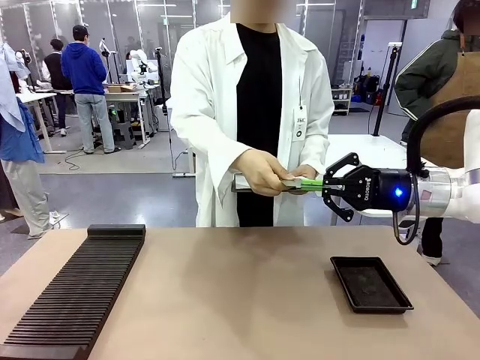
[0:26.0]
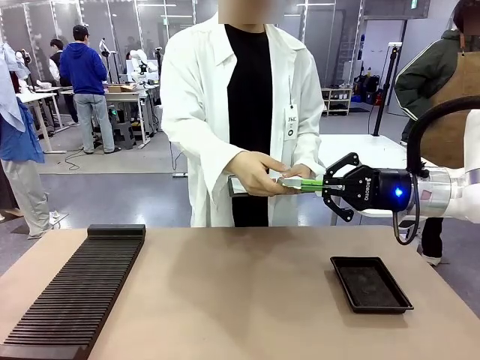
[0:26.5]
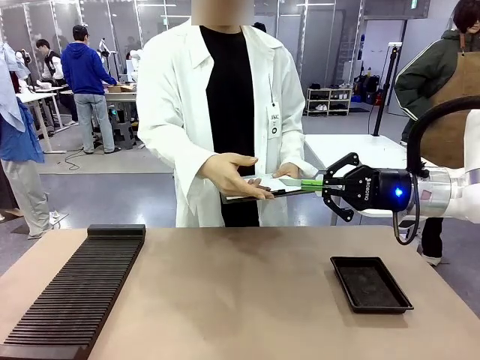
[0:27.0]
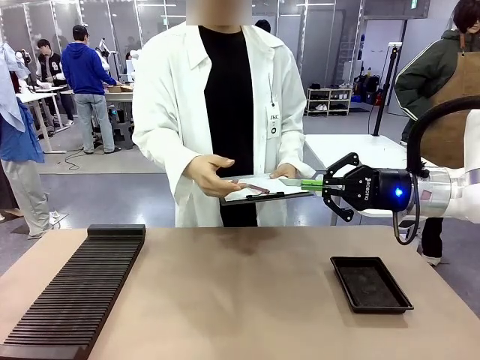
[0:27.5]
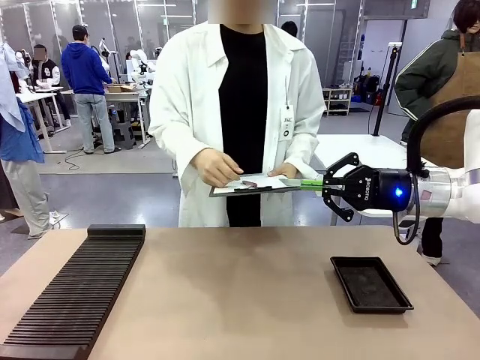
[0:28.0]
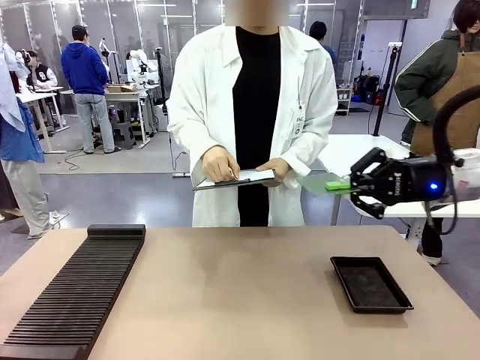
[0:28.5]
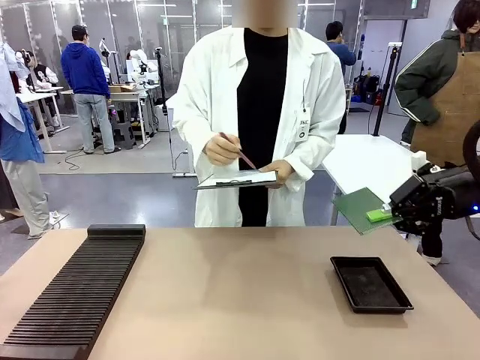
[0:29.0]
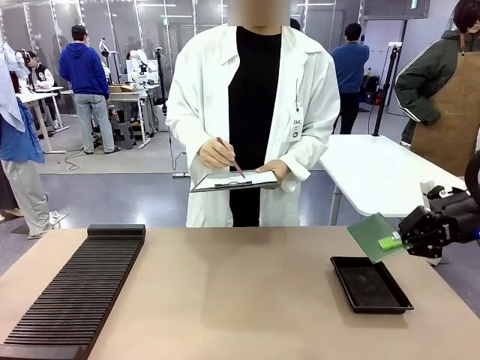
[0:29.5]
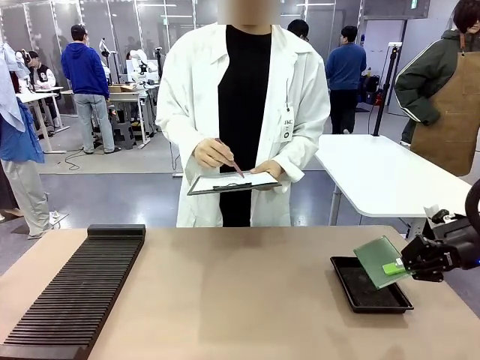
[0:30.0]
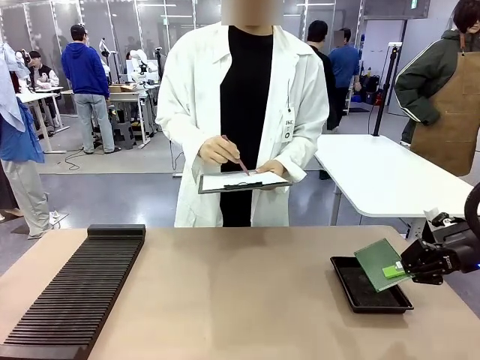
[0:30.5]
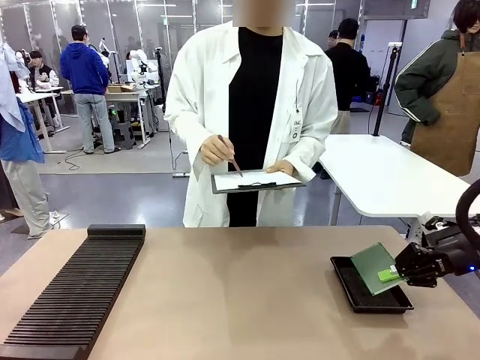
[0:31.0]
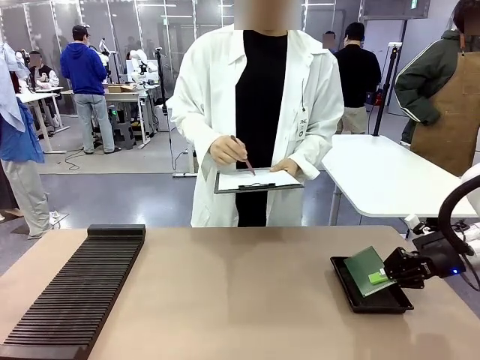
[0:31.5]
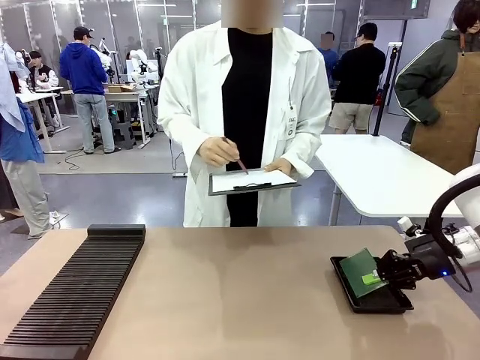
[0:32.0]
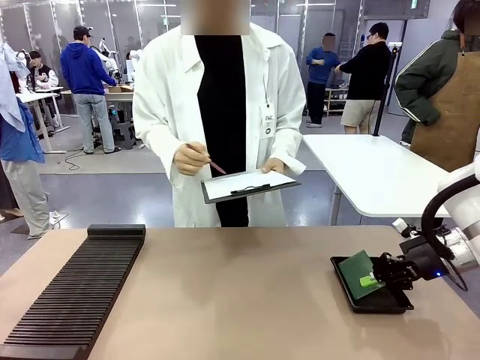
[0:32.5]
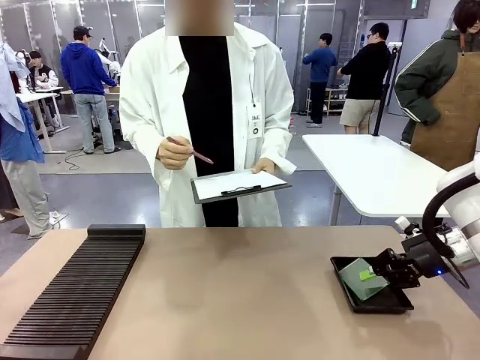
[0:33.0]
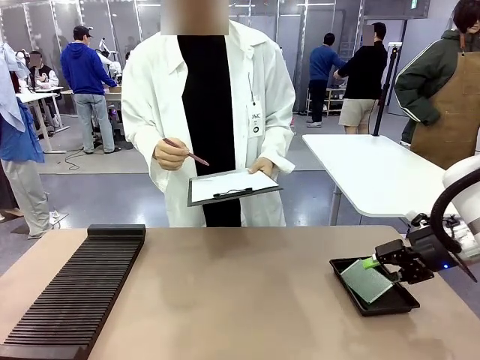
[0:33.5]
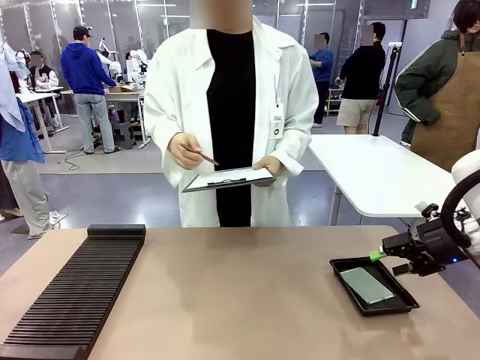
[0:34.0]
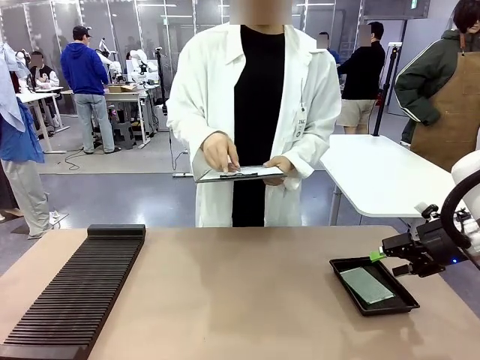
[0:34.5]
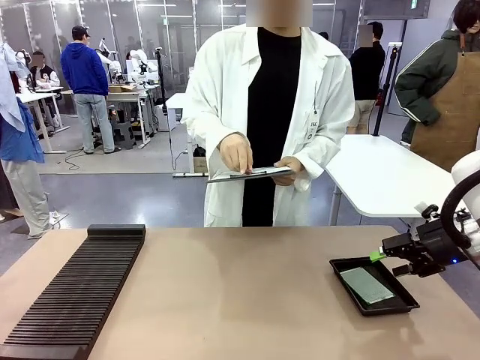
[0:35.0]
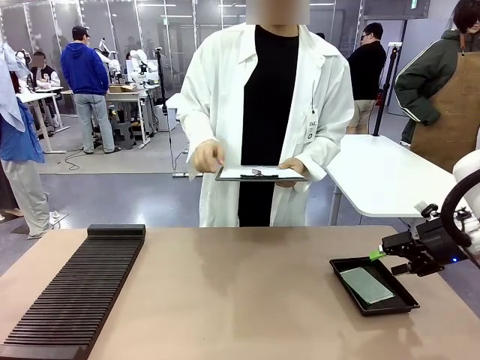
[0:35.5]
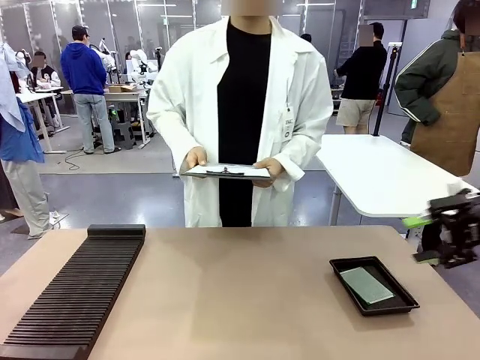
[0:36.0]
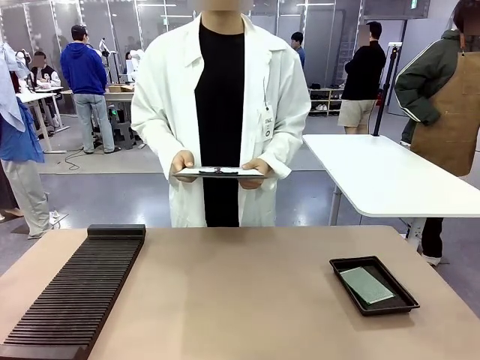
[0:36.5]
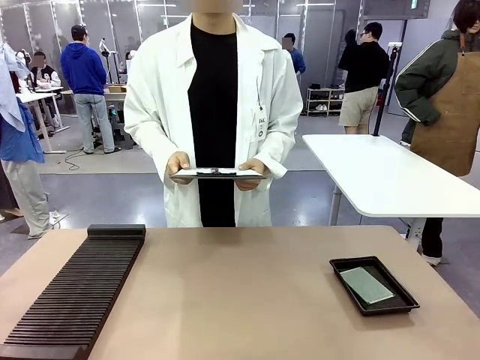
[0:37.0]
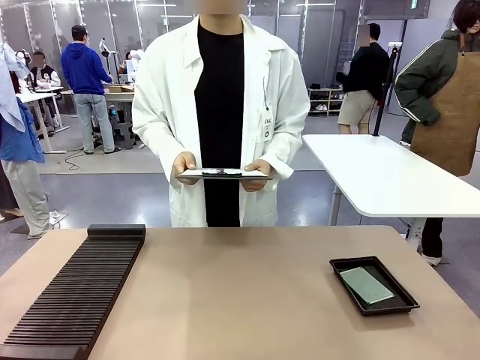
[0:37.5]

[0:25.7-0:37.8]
Task: Inspect the PCB.
Robot: Place the Blank PCB in the ESD tray.
Person: Record the PCB status on the paper.

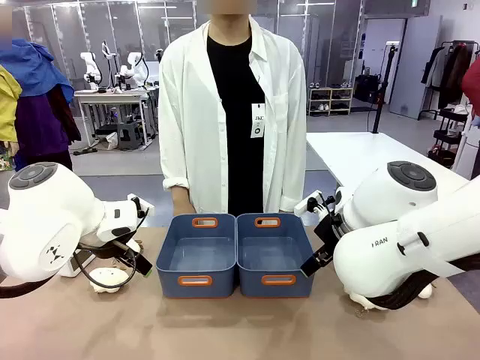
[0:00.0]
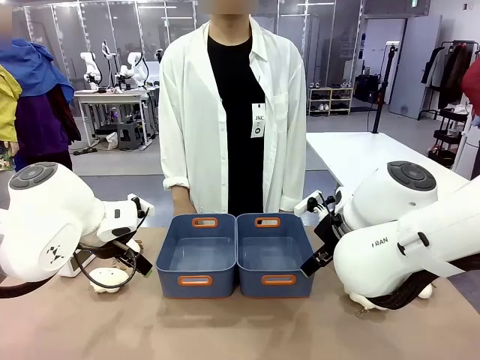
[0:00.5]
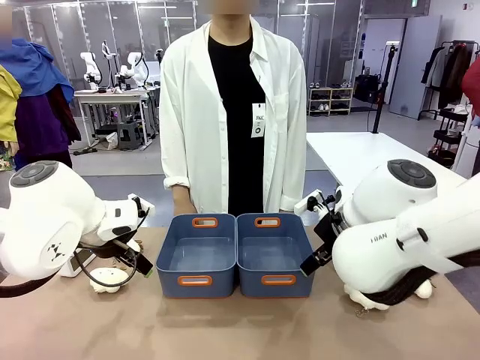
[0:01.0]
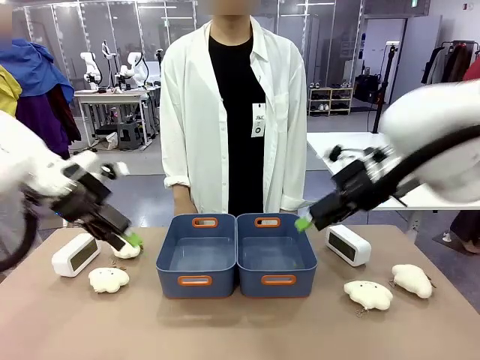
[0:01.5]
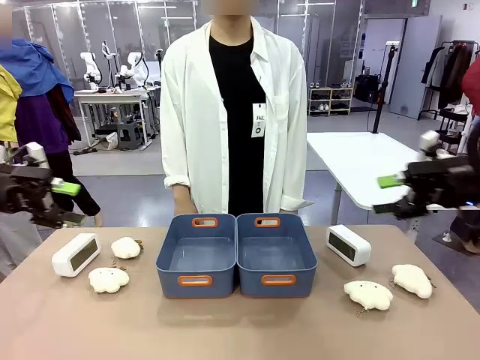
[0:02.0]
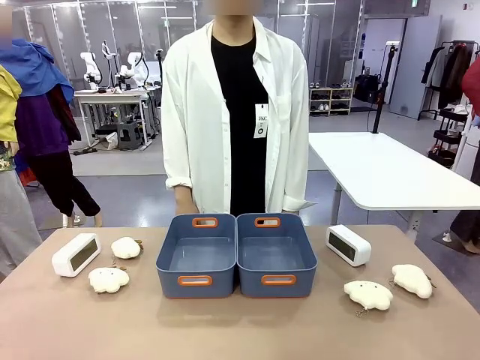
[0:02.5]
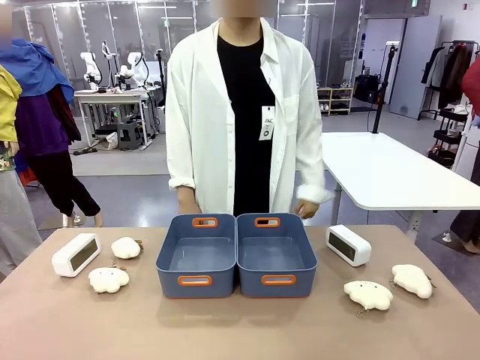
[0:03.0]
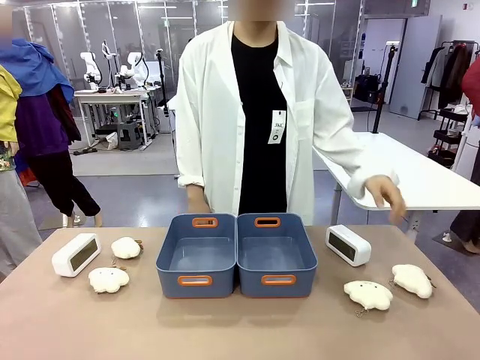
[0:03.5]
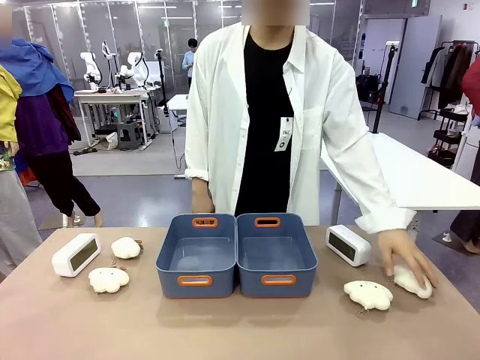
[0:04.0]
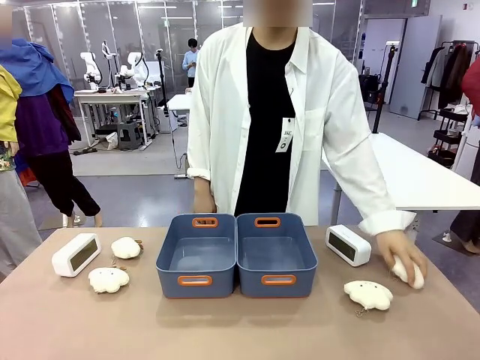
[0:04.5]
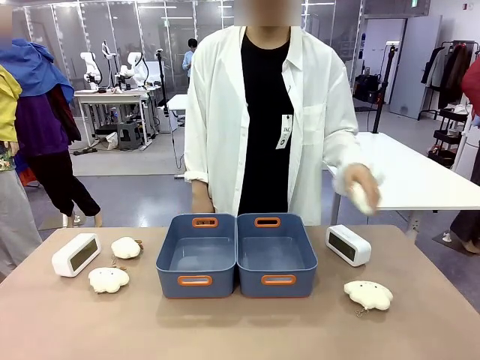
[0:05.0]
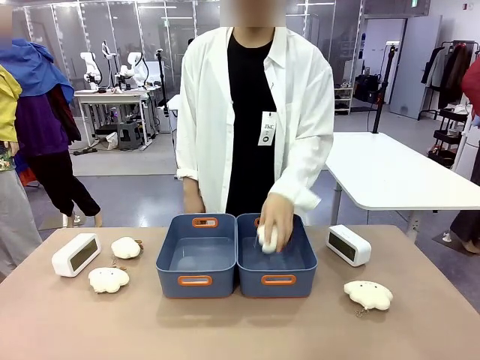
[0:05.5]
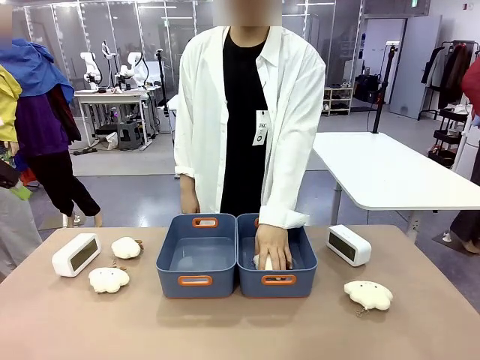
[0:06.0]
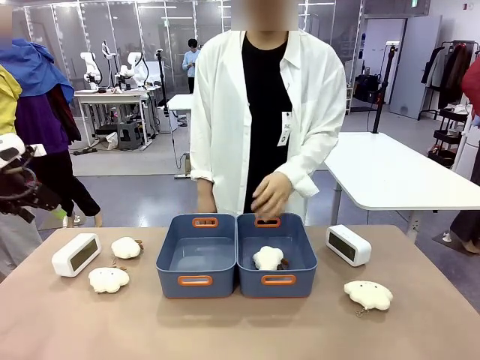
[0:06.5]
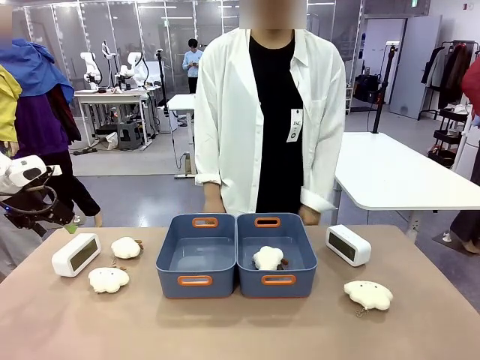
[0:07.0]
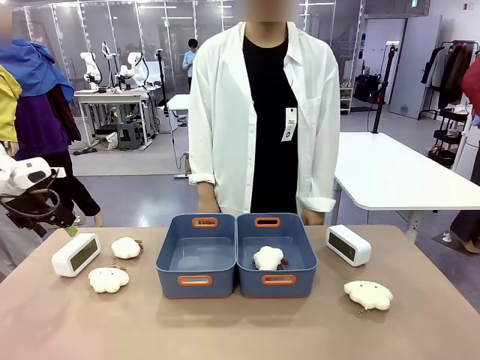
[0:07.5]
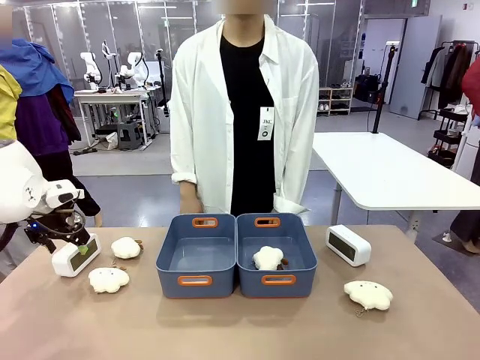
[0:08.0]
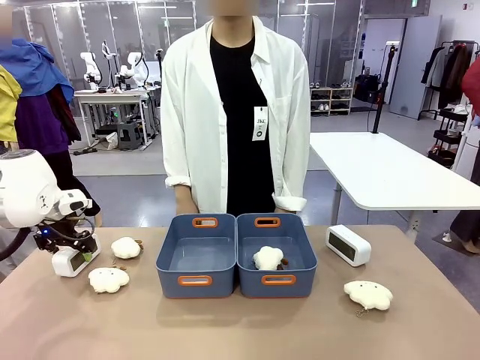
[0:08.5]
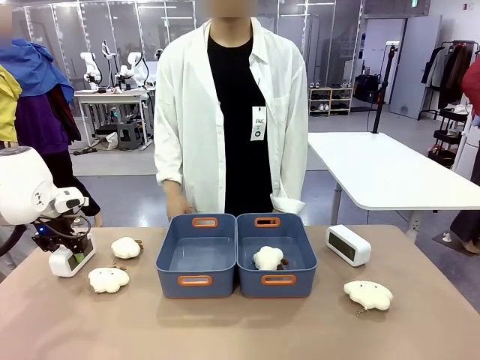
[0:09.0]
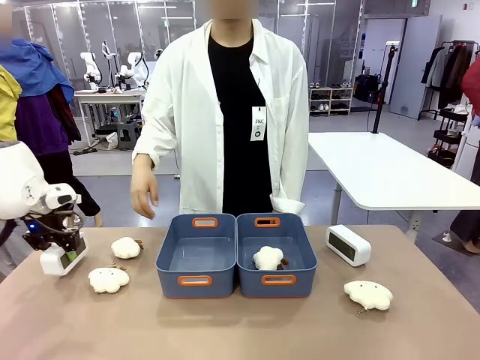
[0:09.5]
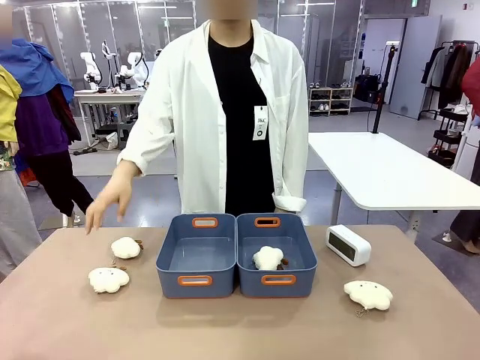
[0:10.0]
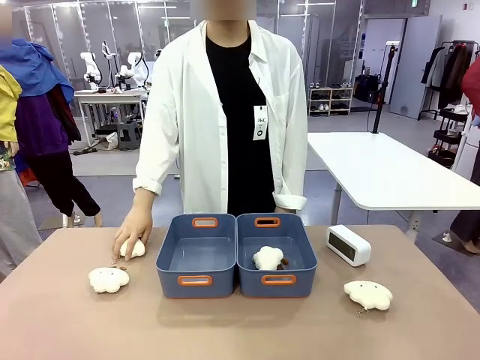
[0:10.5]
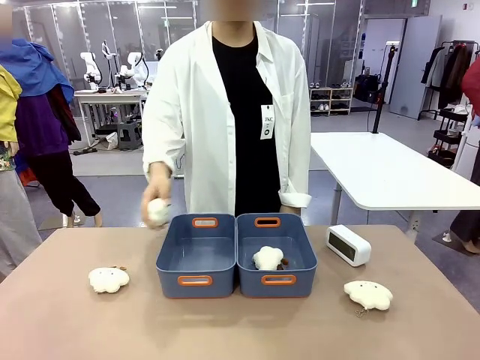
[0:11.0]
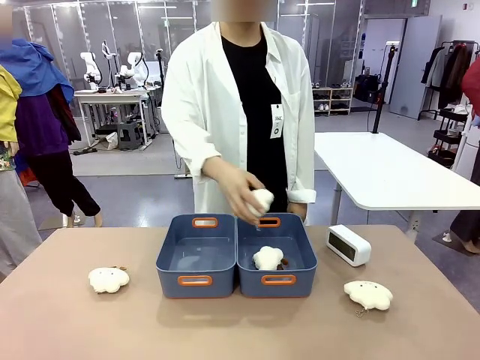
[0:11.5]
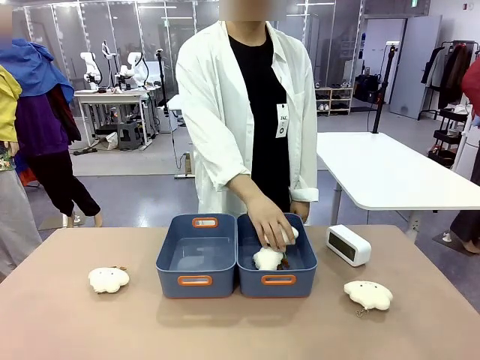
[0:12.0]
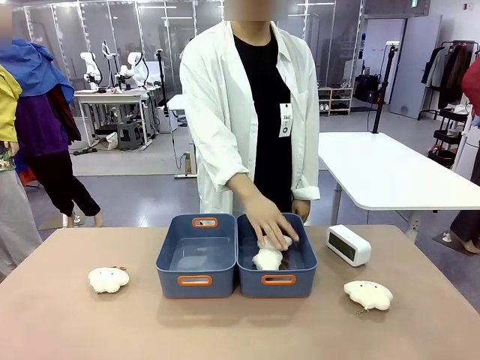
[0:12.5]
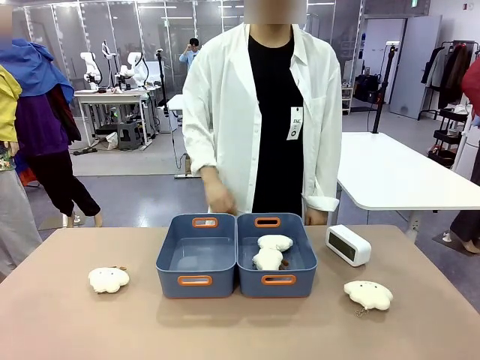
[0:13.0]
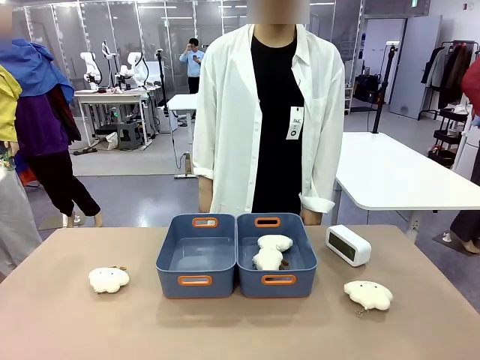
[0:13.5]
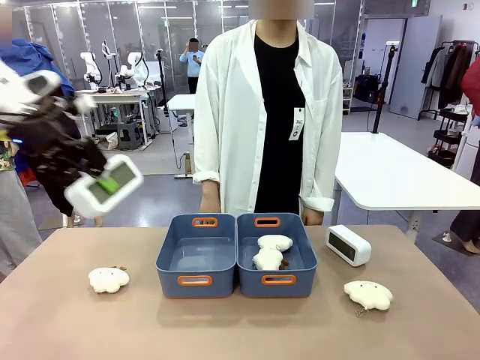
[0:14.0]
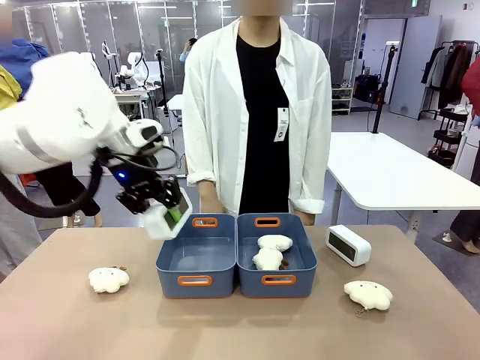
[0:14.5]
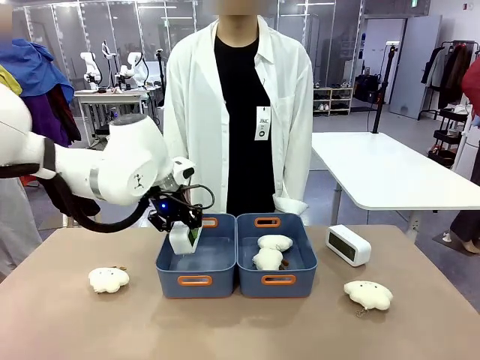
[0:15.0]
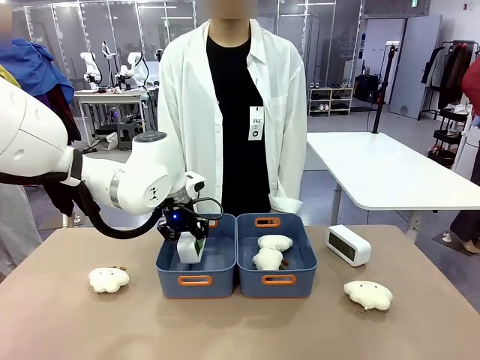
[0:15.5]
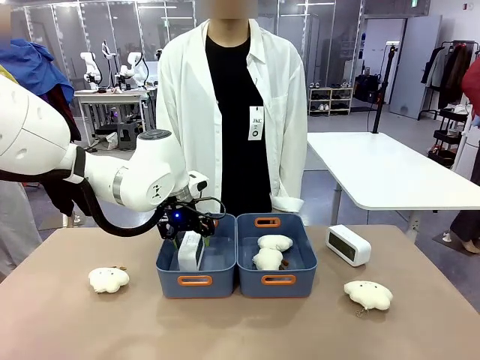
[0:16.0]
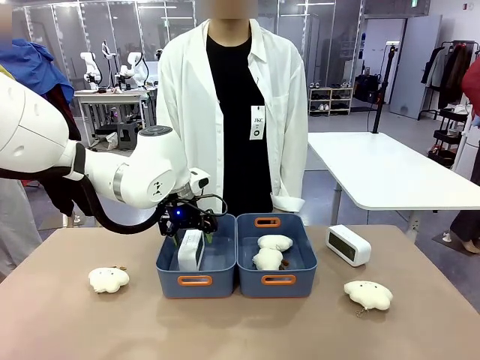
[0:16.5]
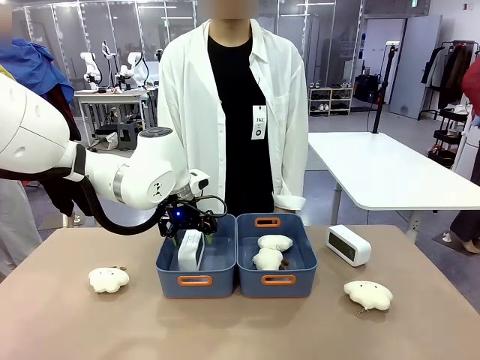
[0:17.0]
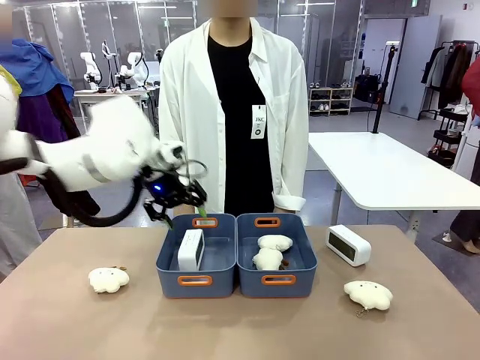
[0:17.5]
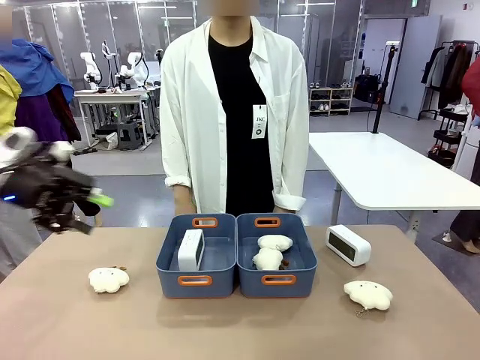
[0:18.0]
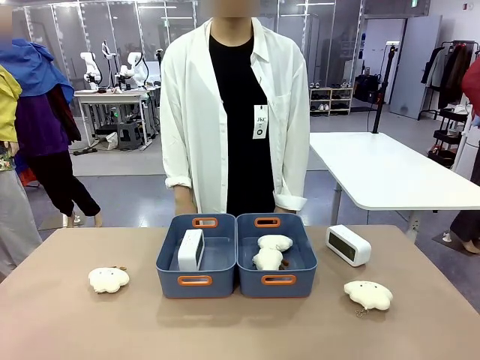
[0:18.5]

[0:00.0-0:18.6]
Task: Sort the digital clocks into the basket.
Robot: Pick up the Digital clock from the table and place it into the empty Plastic storage basket.
Person: Pick up a plush toy from the table and place it in a plastic storage basket.
